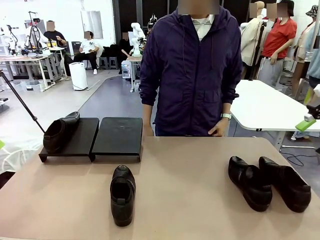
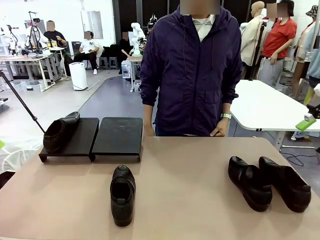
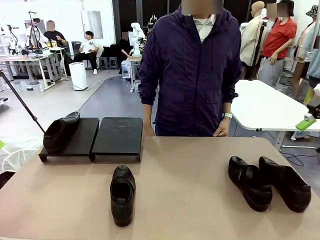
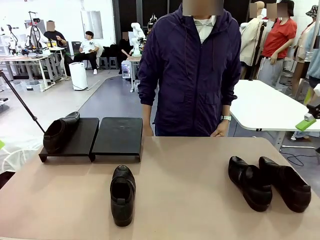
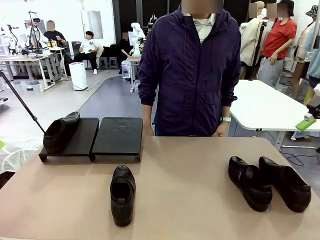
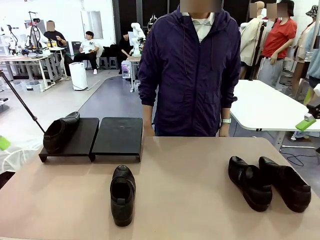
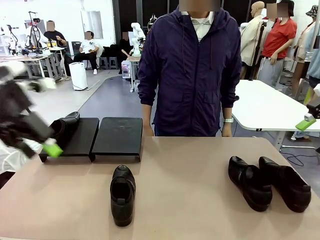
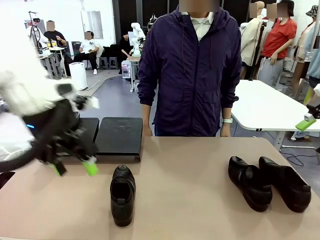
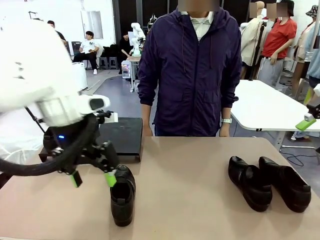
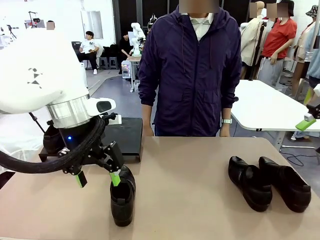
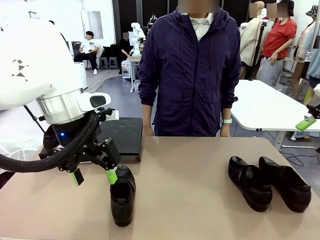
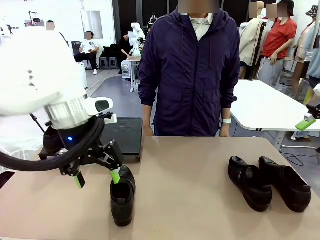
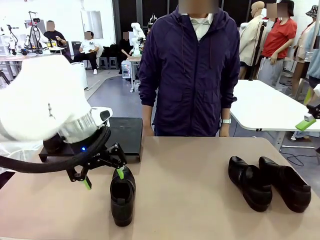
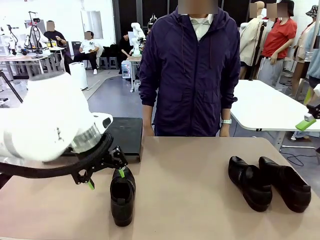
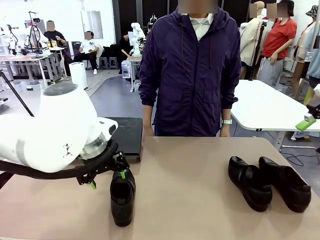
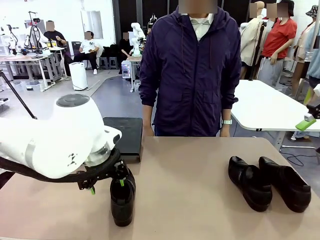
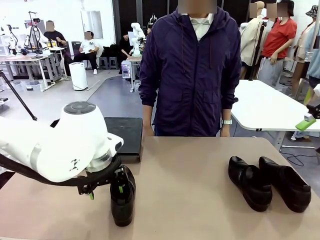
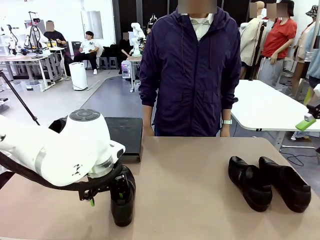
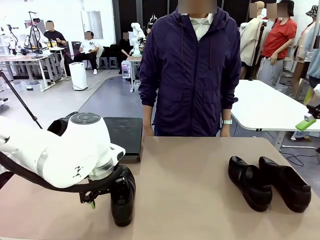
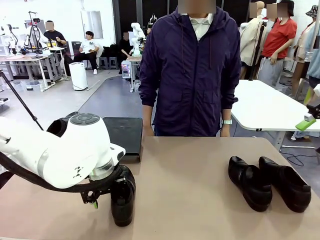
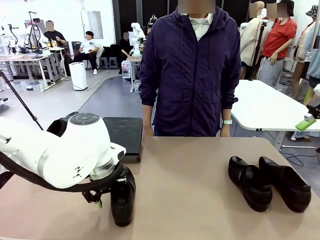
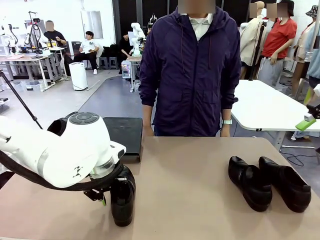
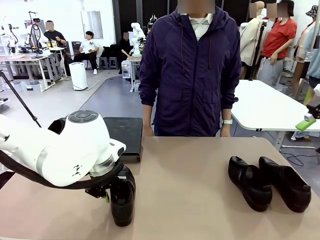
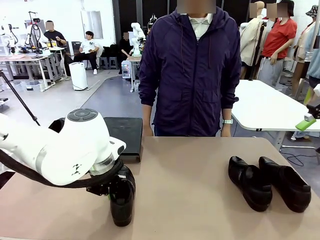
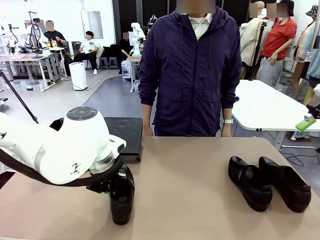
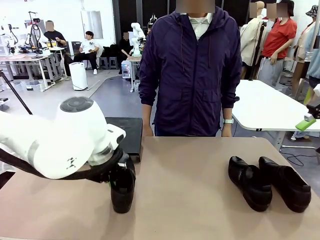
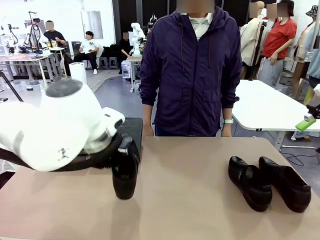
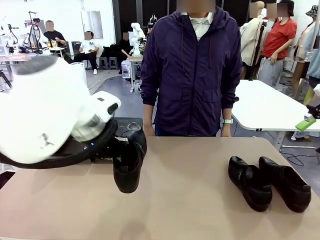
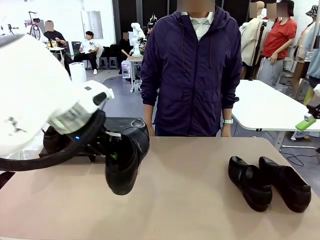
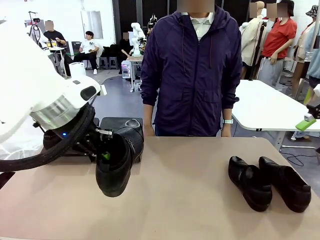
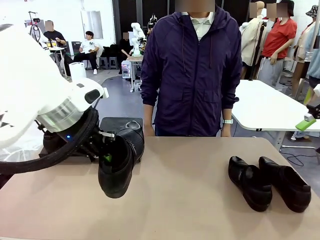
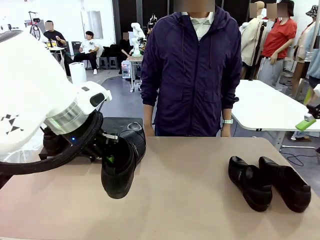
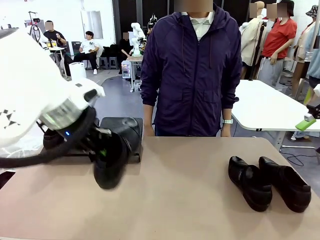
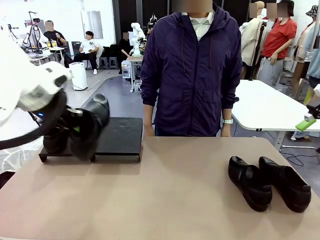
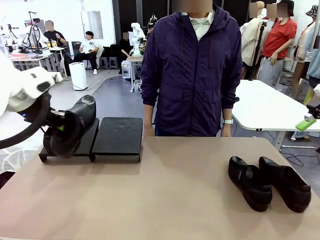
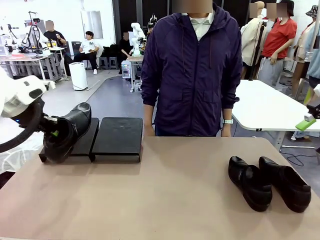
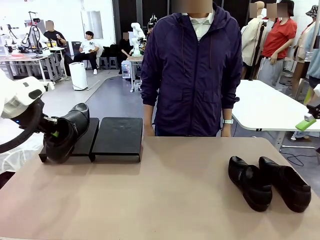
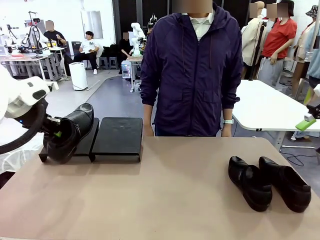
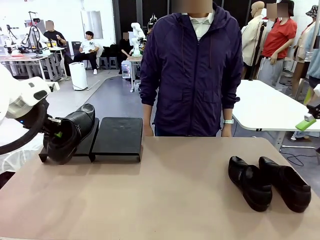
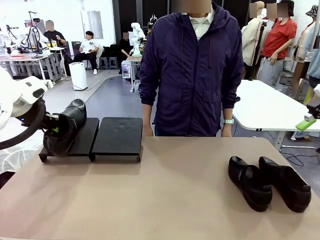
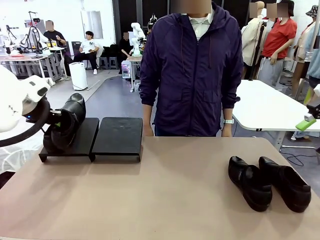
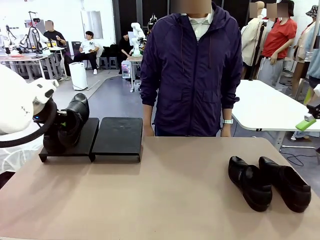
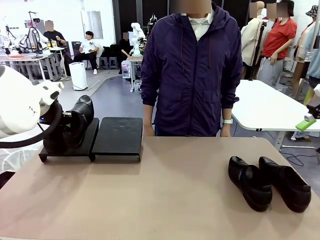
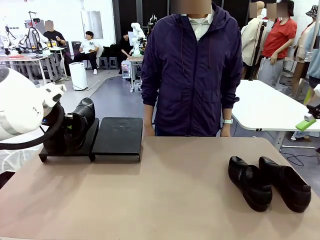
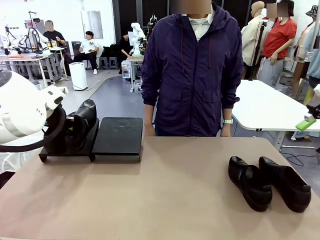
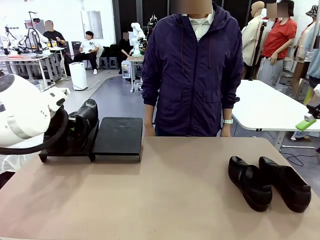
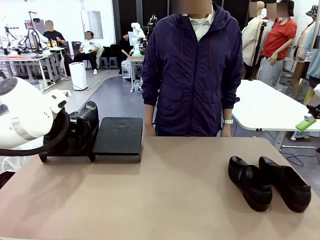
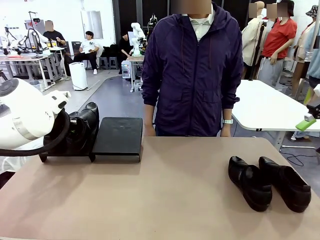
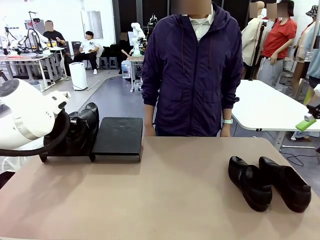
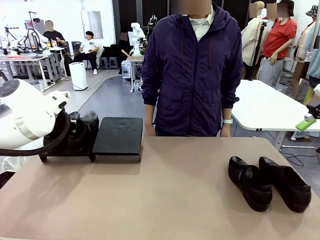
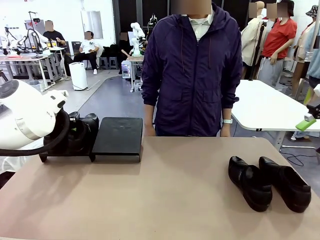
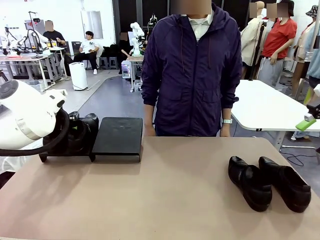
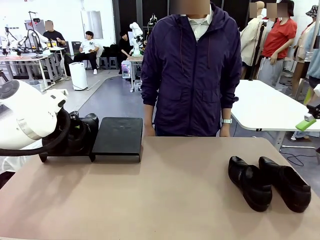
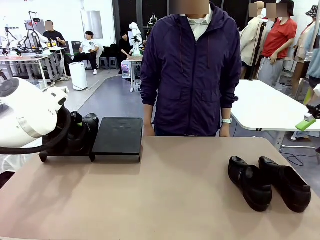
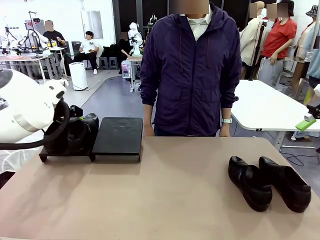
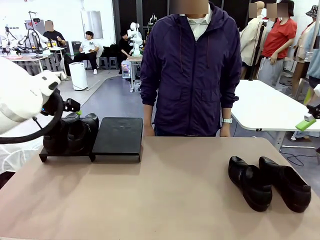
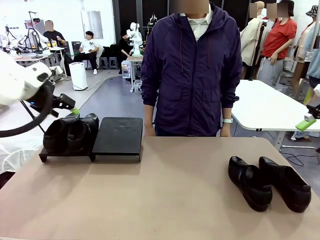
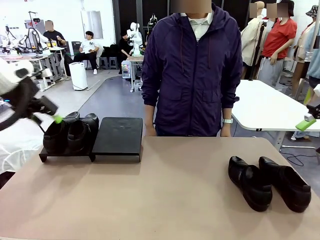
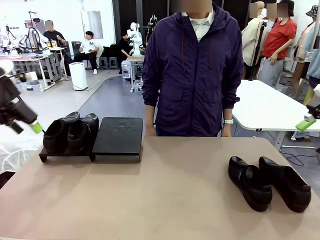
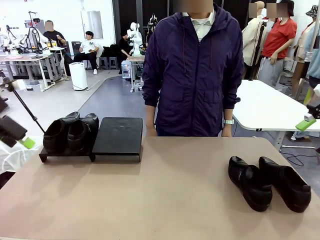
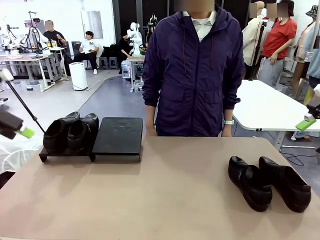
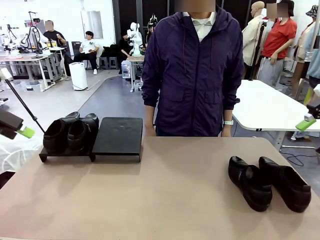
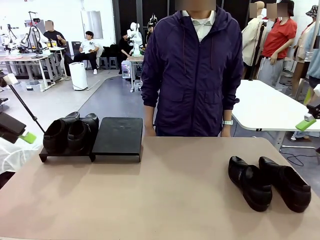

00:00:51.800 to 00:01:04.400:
Task: Organize the shoes by placing them on the stand.
Robot: Place the Shoe from the middle of the table onto the Shoes Stand.

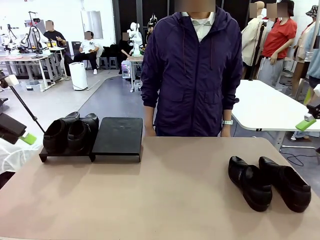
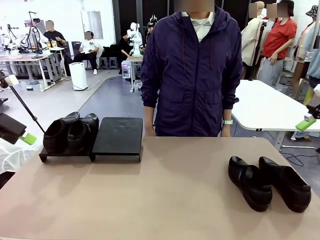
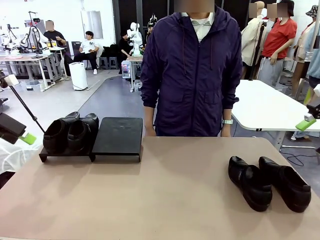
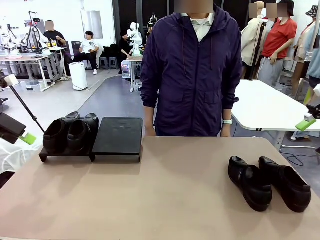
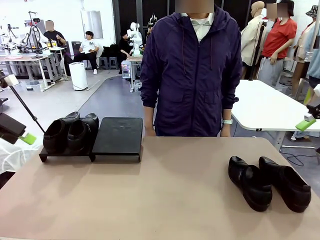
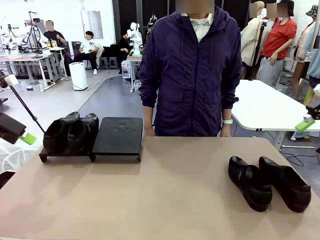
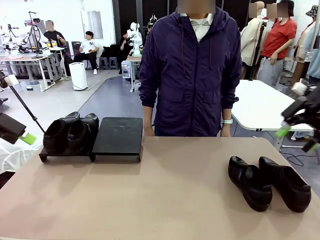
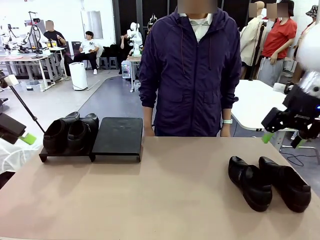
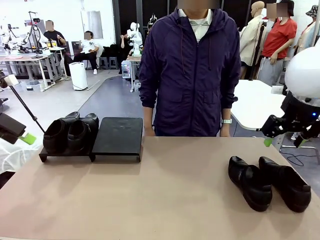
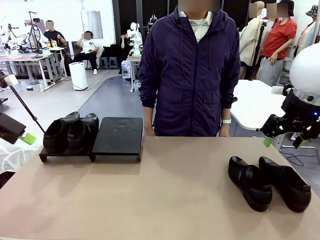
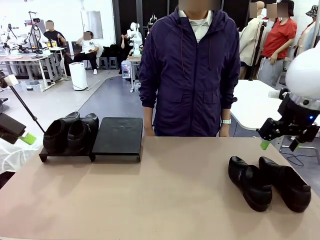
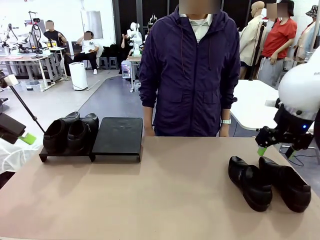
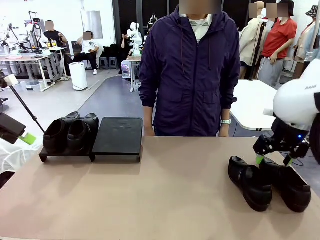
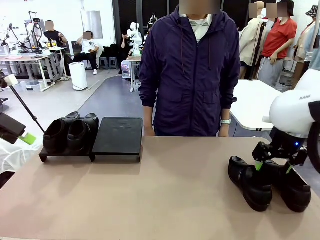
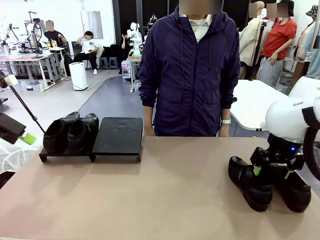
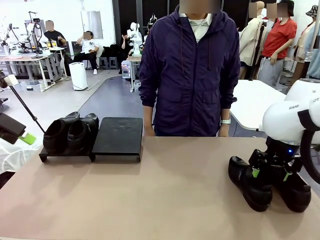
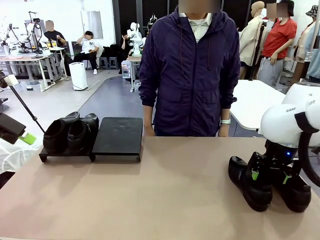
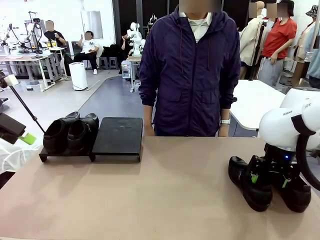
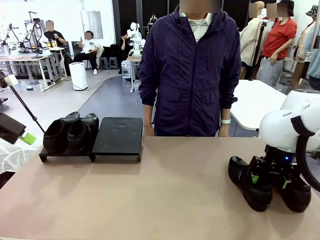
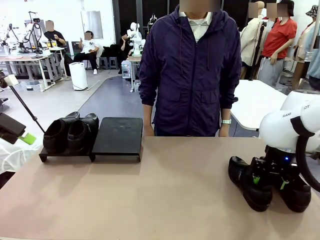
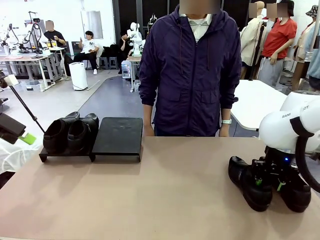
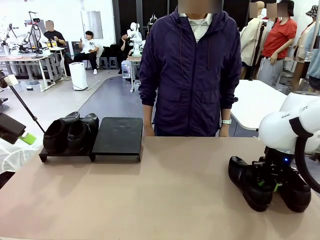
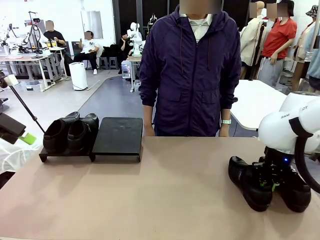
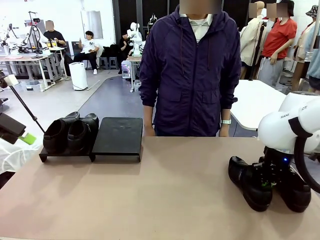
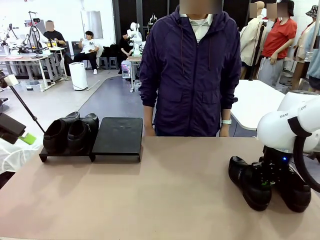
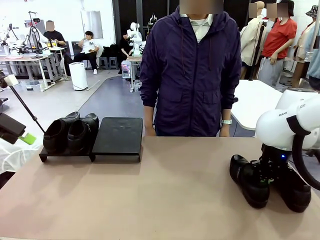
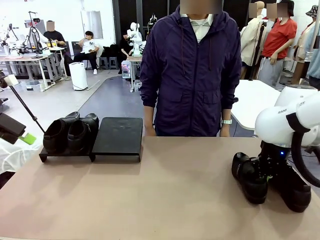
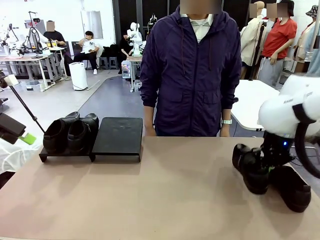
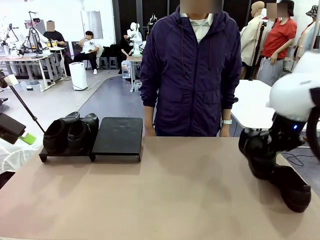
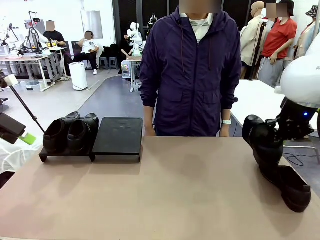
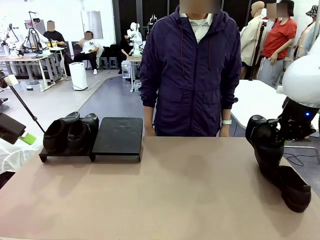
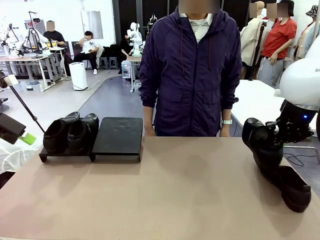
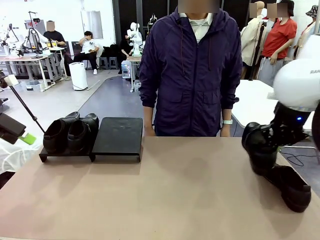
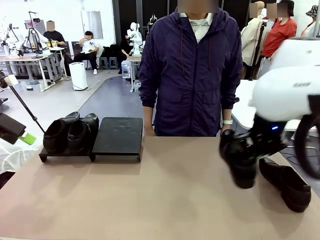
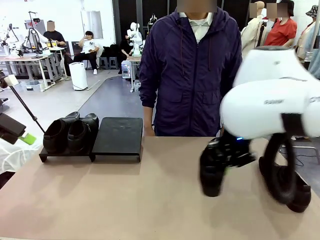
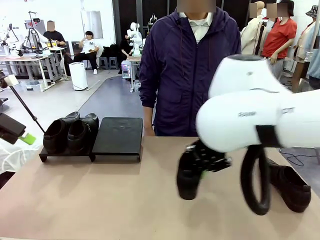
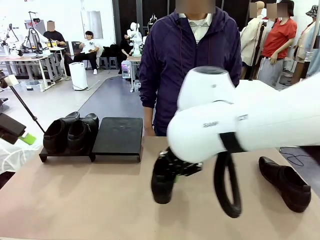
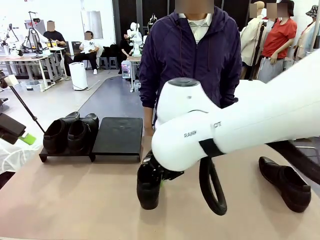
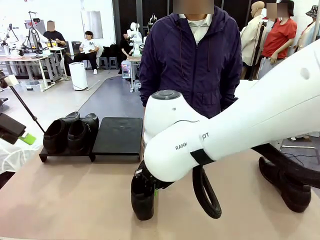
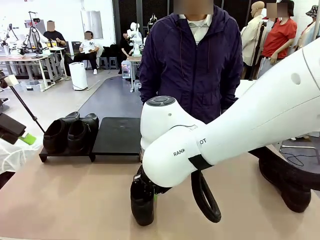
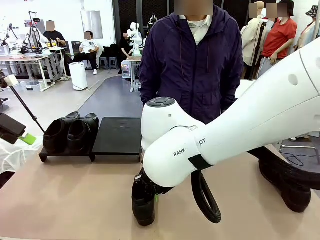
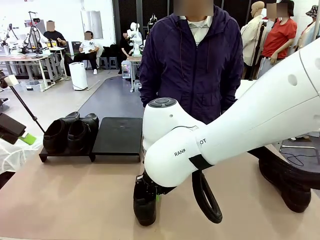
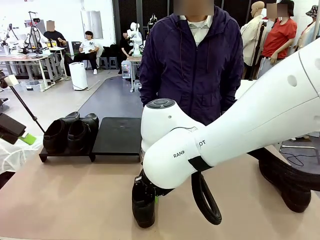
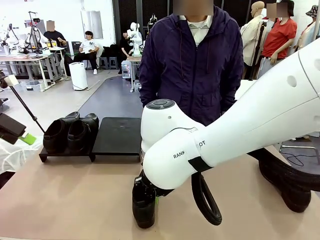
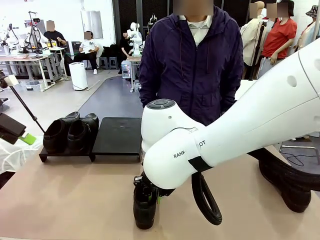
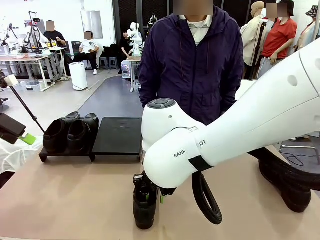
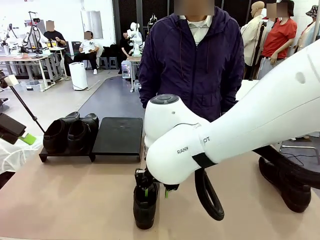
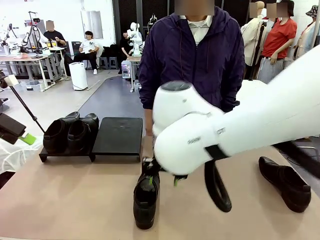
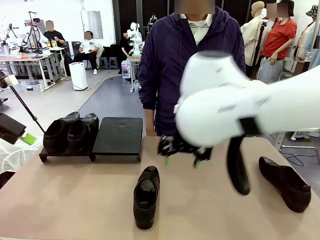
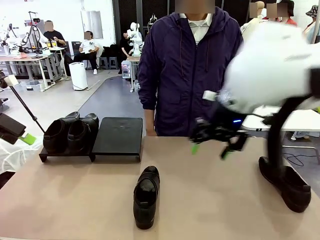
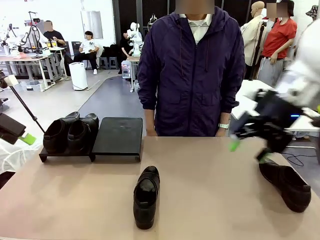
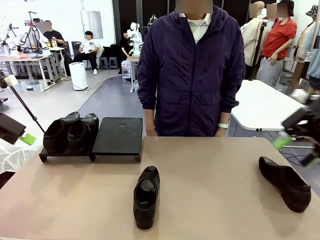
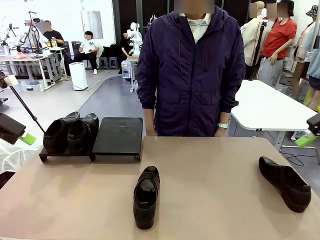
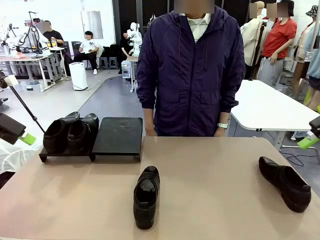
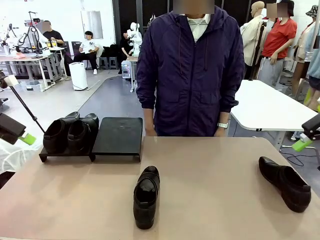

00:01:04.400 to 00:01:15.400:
Robot: Pick up one Shoe and place it in the middle of the table.
